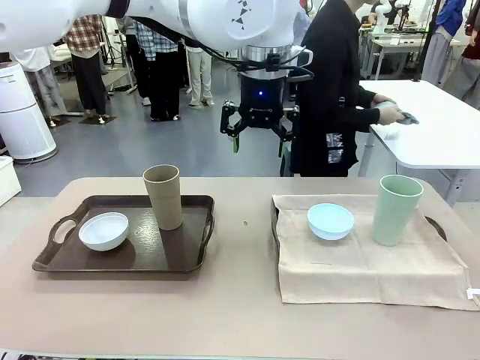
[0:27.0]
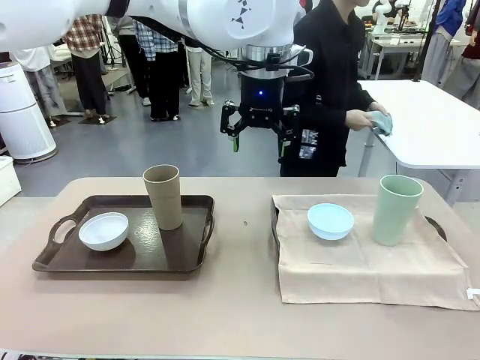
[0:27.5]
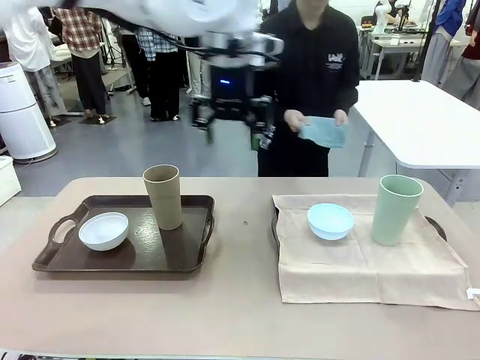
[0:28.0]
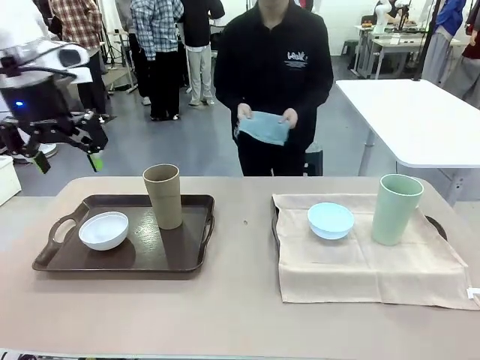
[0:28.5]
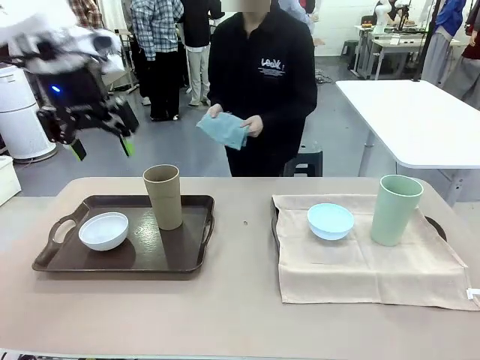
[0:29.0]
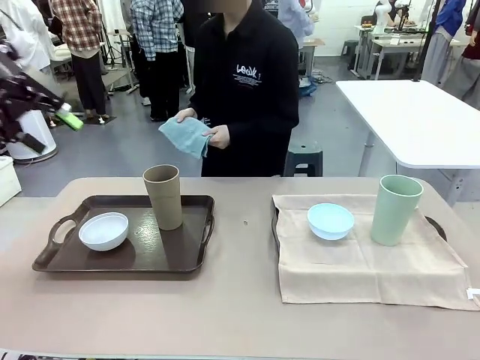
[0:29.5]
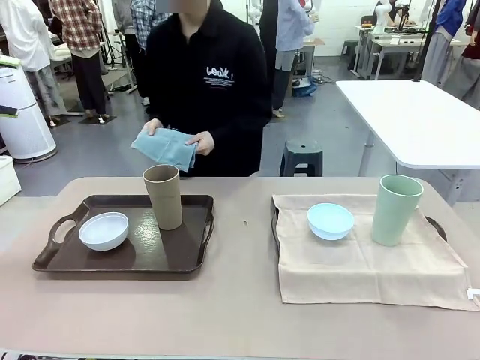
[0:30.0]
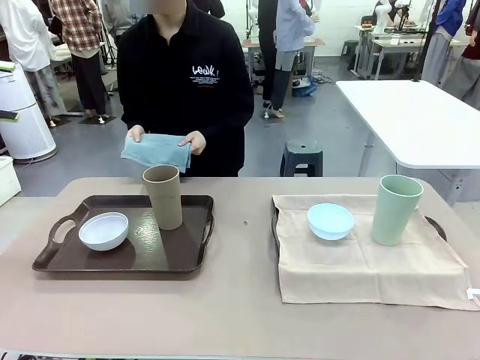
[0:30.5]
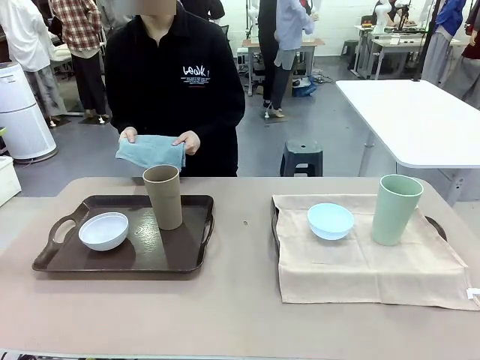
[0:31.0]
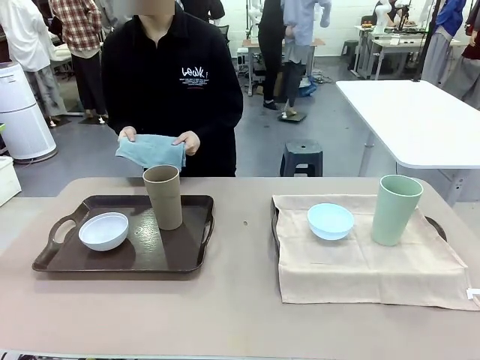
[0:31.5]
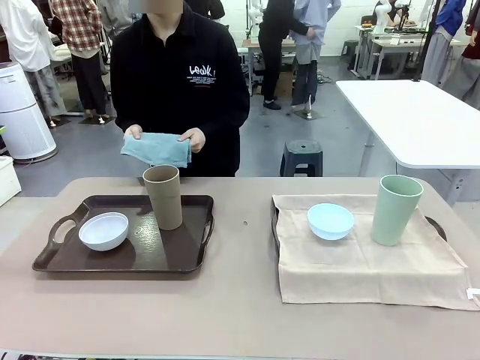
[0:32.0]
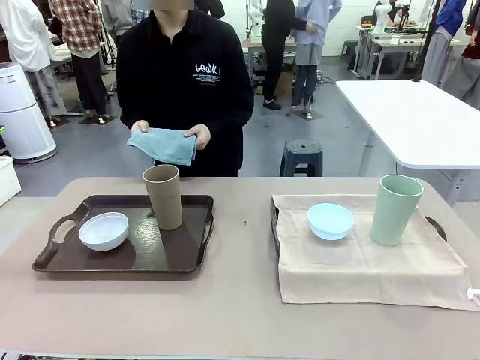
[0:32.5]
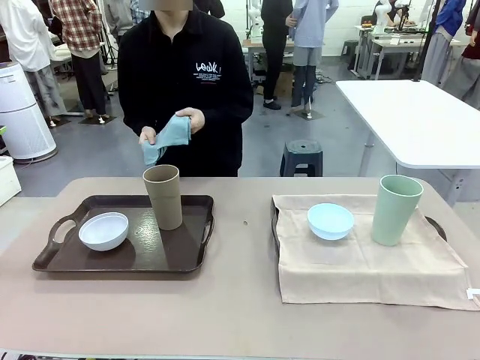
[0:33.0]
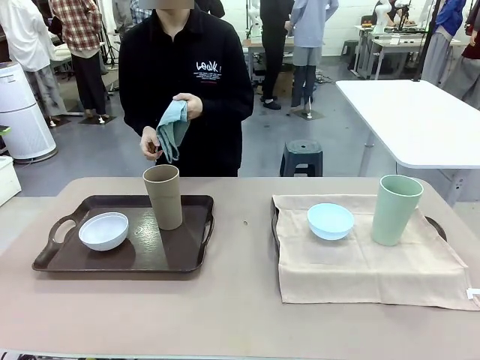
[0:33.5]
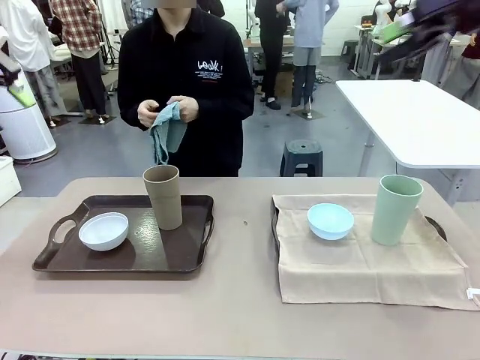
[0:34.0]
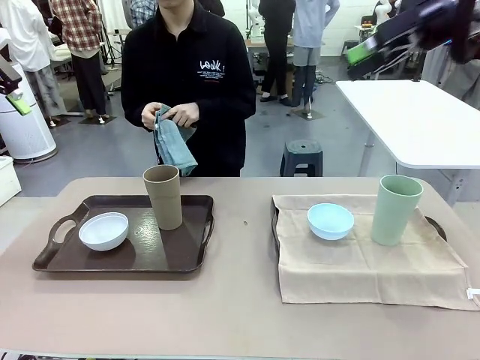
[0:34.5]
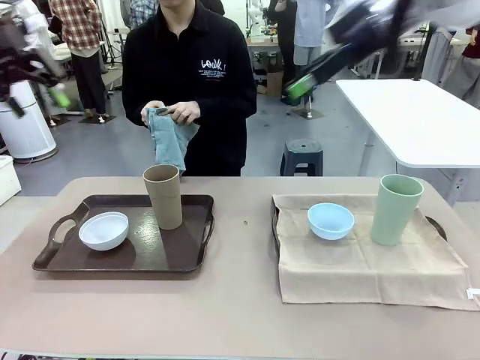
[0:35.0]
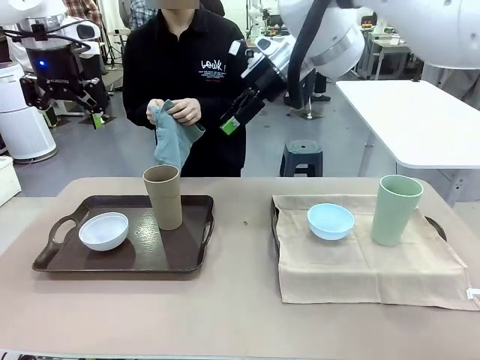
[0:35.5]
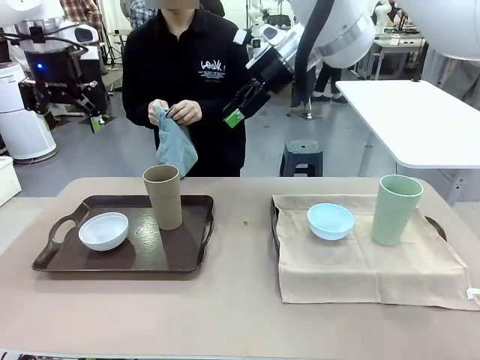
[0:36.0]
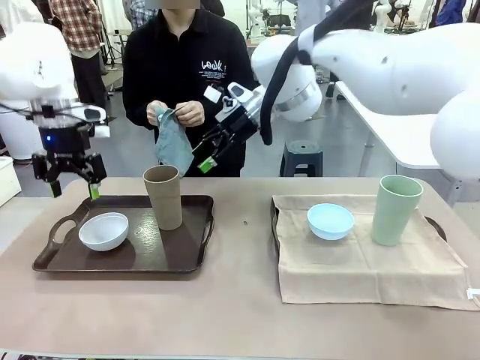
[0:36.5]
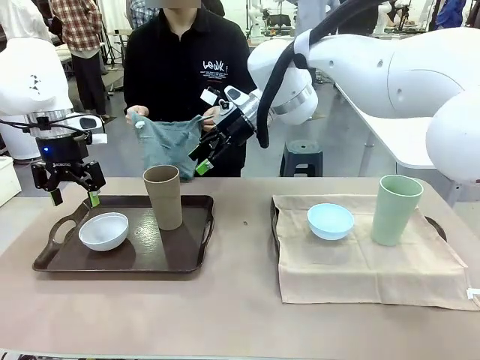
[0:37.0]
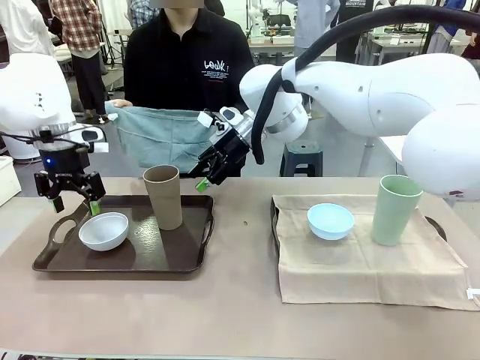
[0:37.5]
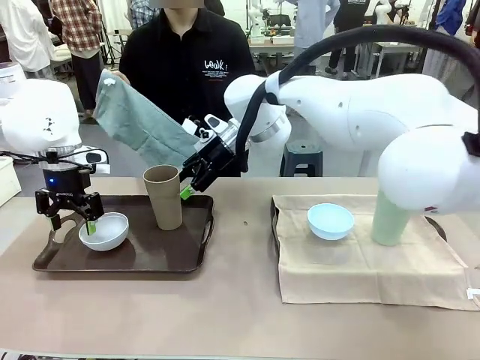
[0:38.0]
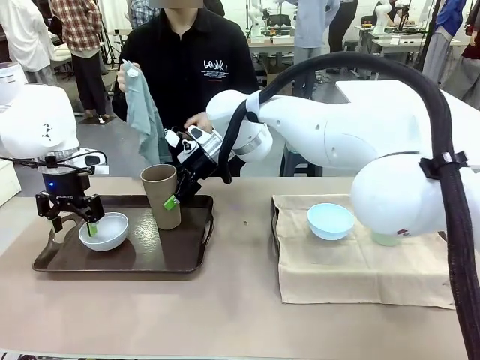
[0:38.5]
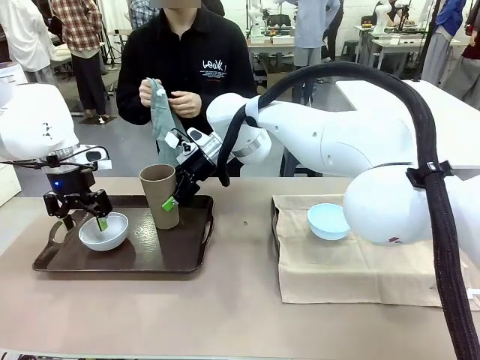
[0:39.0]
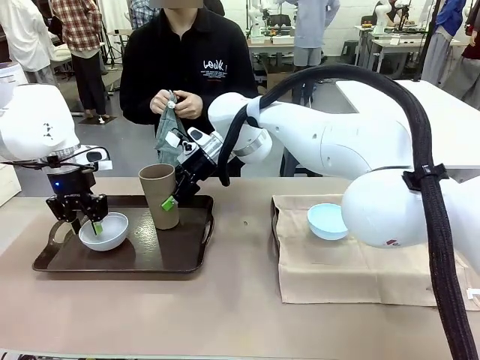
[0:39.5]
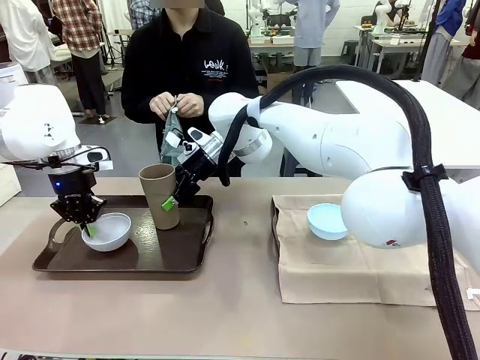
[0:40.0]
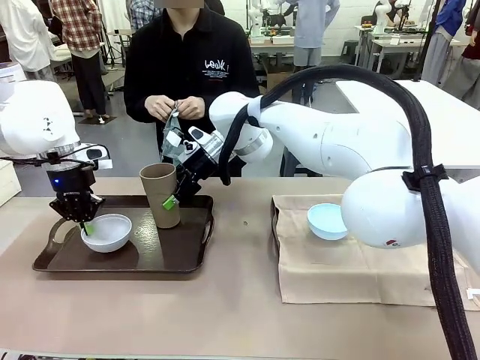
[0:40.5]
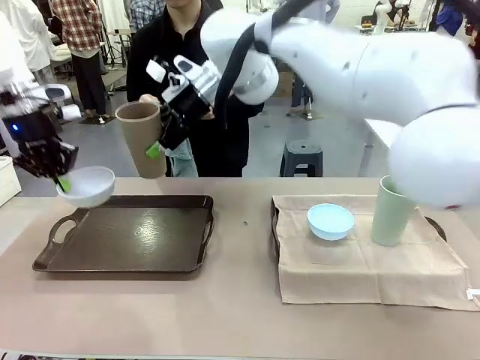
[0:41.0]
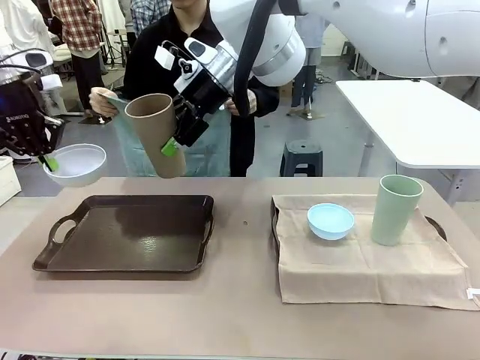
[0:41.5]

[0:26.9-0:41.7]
Robot: Pick up the Picnic Bowl and Reusable plastic cup from the Handle tray in front of the human's position and hold them in the air.

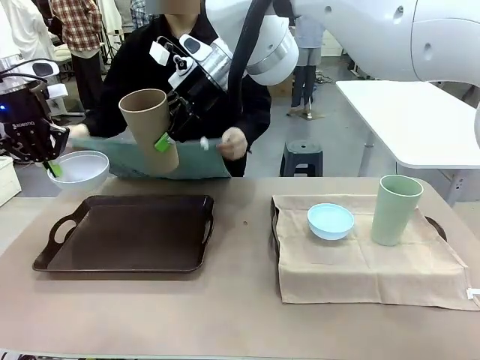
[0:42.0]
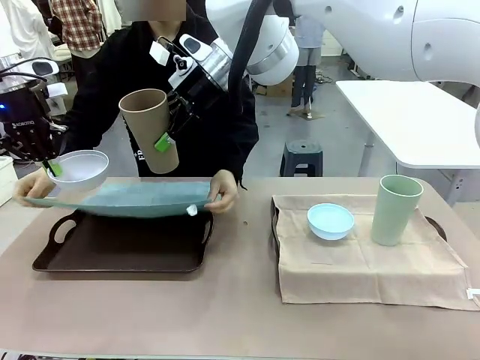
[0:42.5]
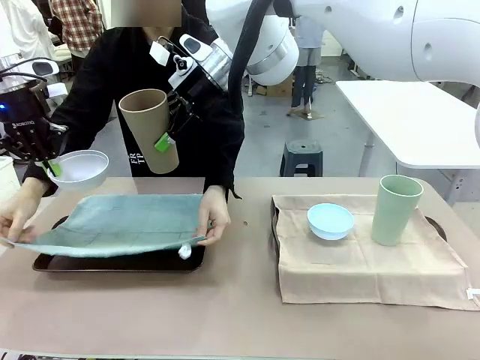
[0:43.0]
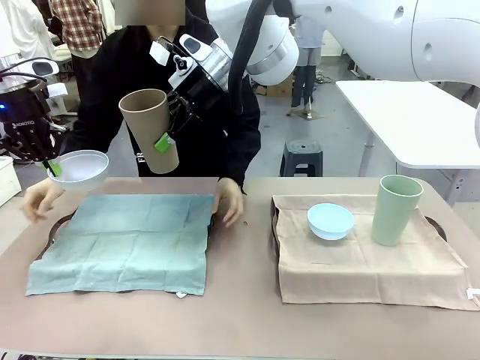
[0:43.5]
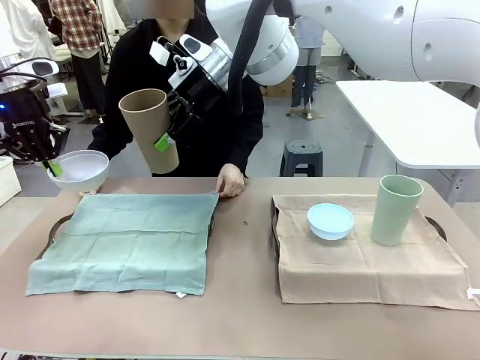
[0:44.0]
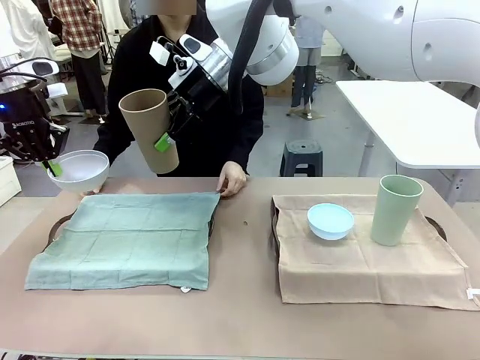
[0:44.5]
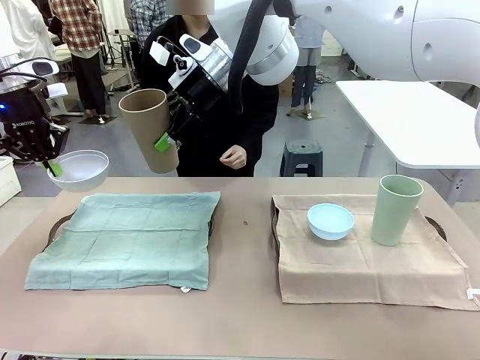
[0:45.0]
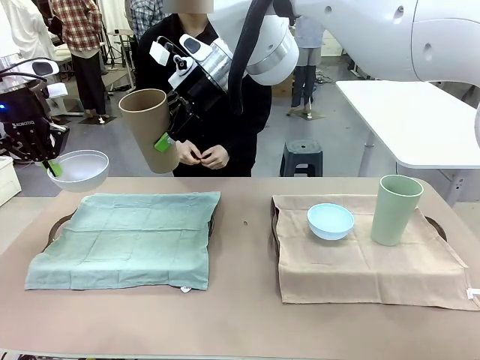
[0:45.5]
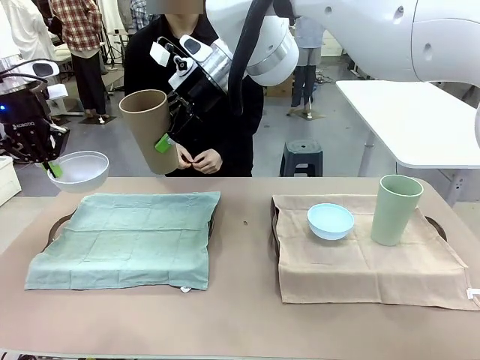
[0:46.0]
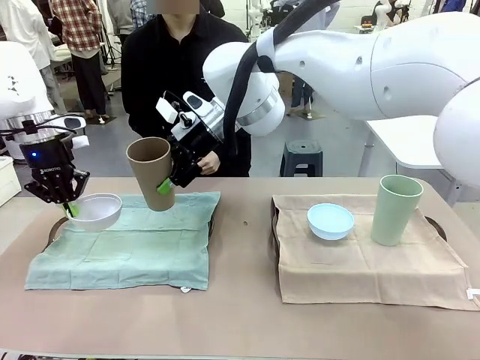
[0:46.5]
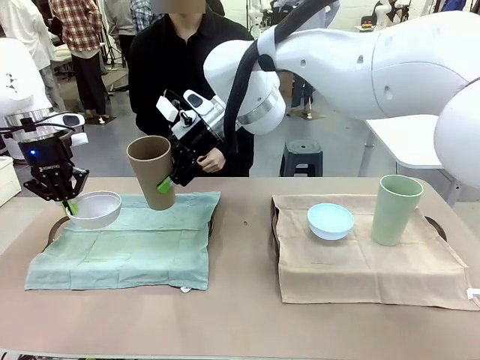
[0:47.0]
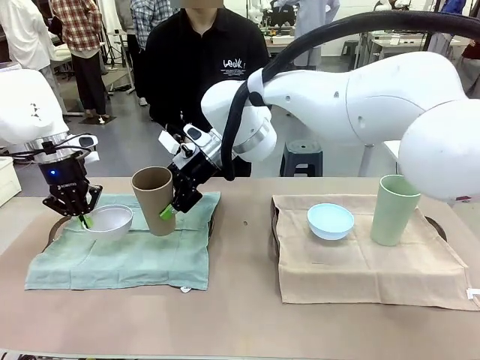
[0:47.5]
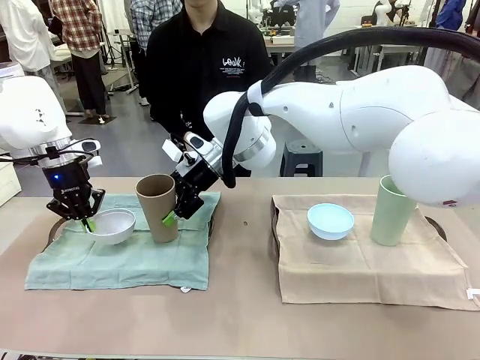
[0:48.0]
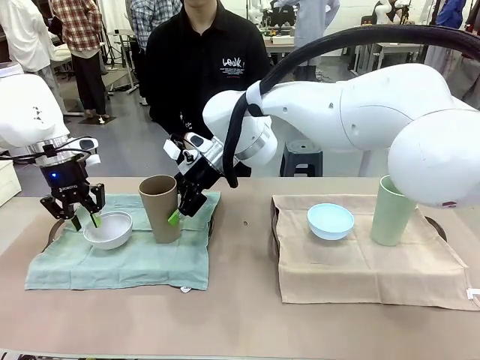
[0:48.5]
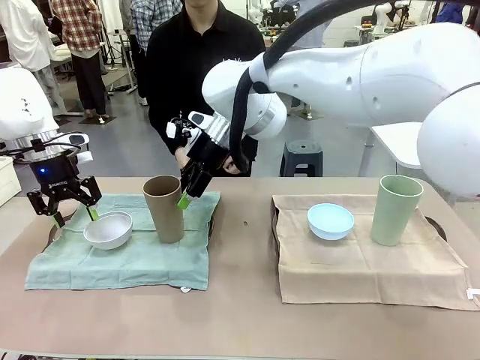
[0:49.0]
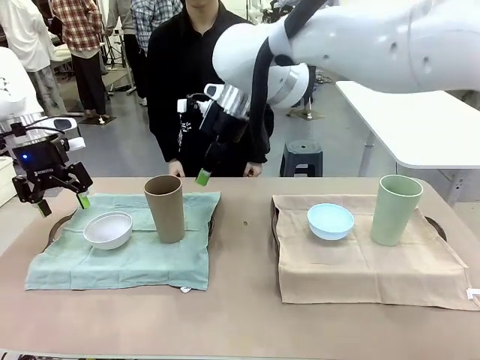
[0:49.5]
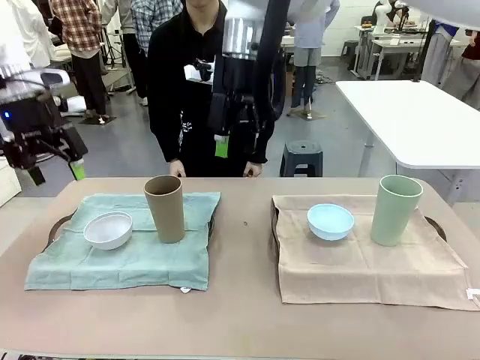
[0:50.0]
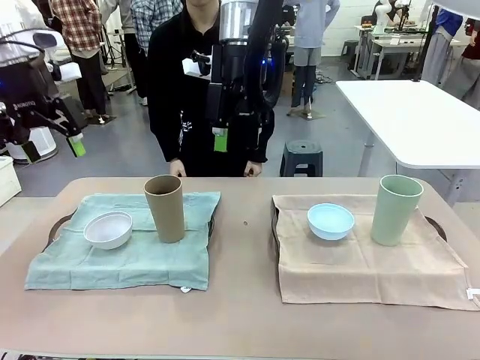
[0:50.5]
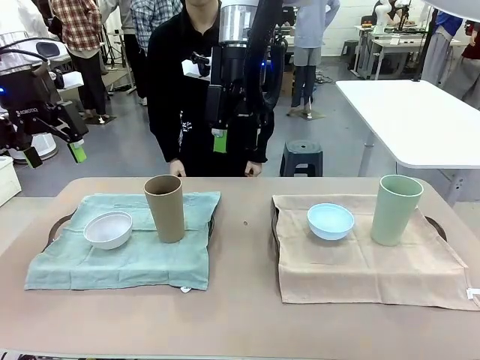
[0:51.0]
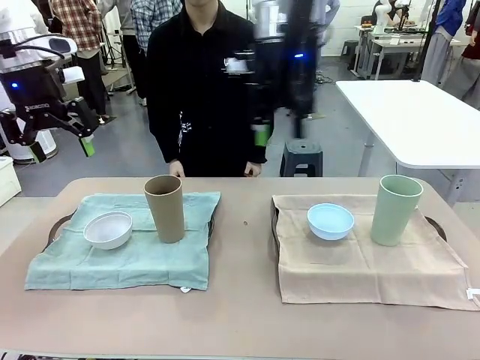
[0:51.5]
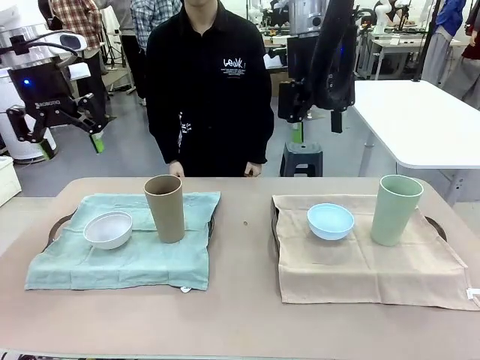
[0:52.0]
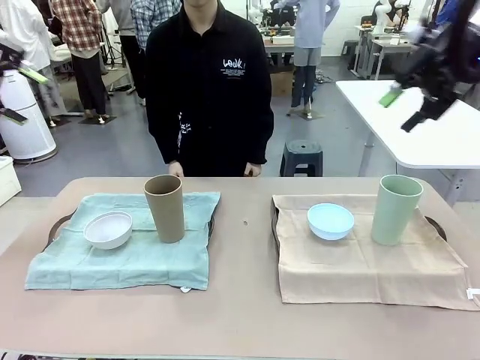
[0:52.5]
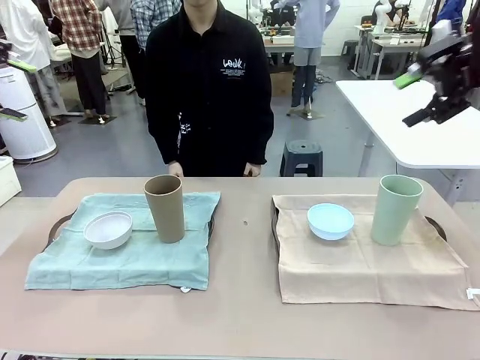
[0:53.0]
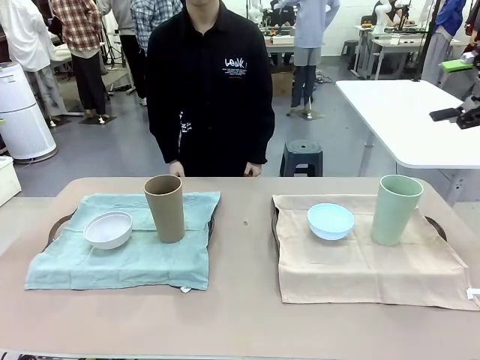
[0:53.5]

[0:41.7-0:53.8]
Robot: Place the Picnic Bowl and Reusable plastic cup back onto the Handle tray in front of the human's position.
Person: When the robot lifts the bowl and the cup, the human unfolds the napkin and lays the napkin flat on the tray.
